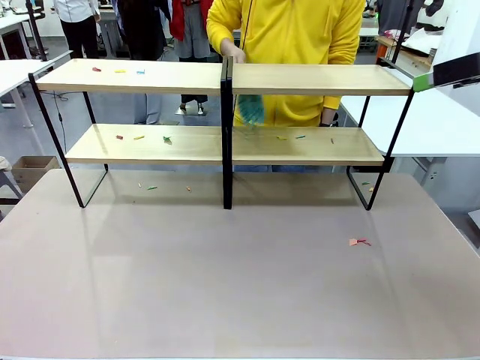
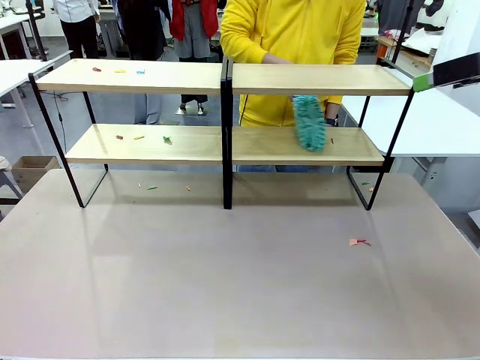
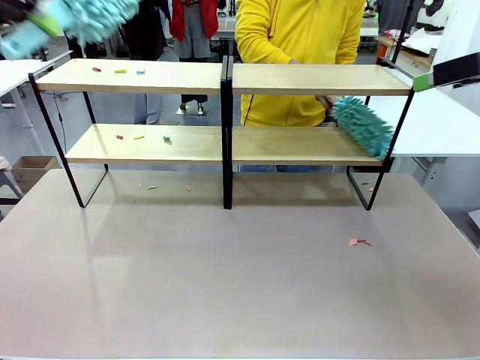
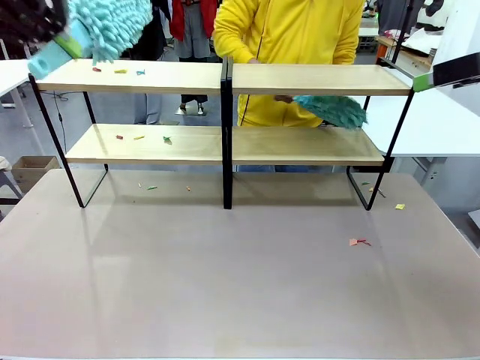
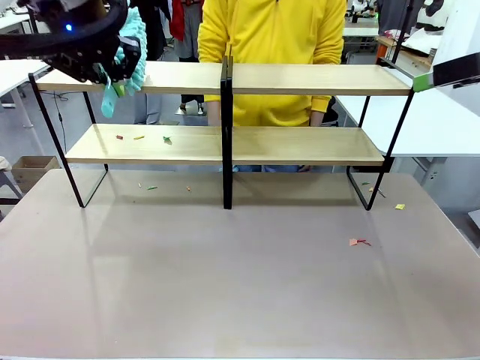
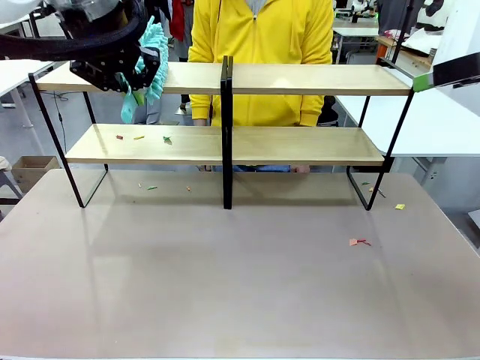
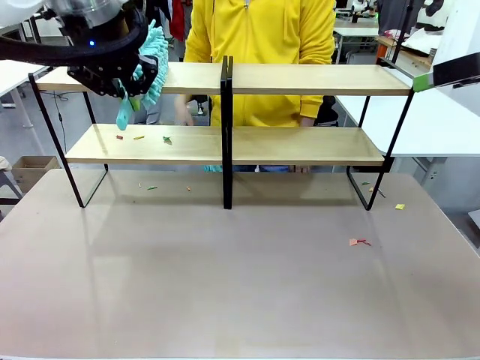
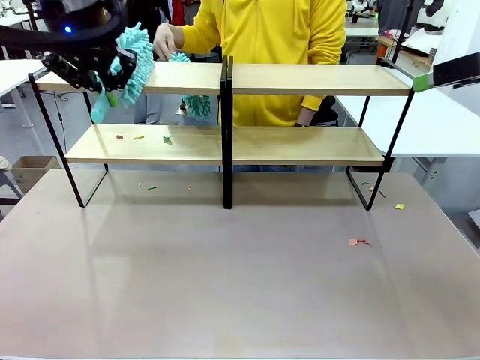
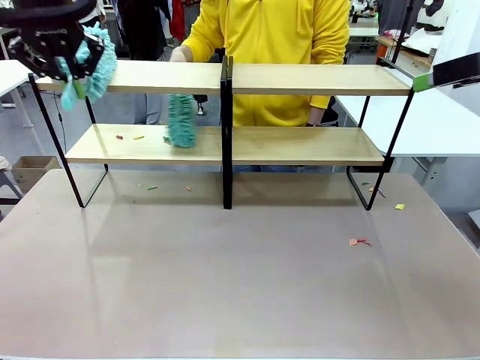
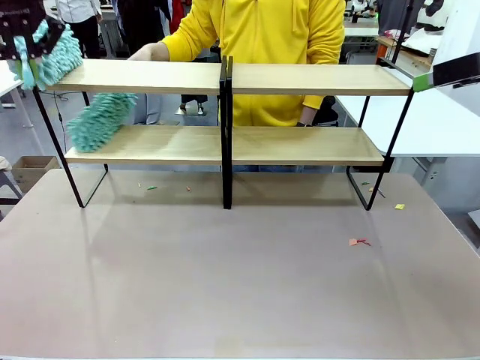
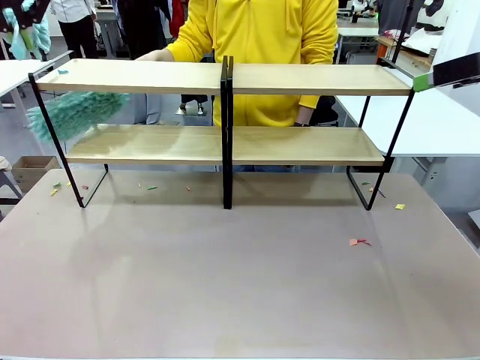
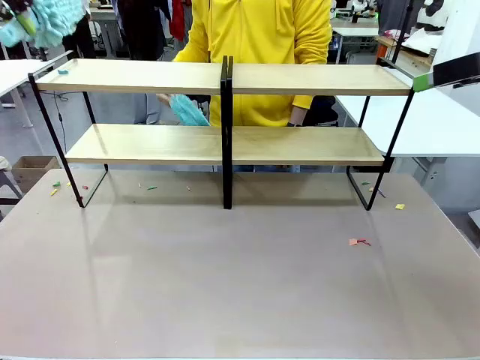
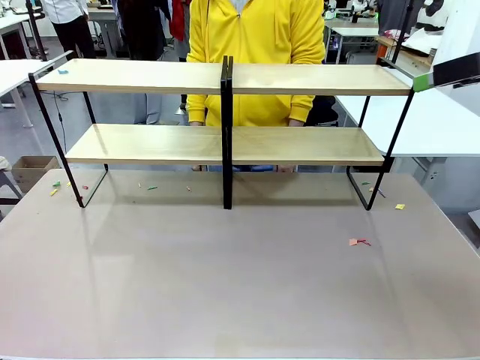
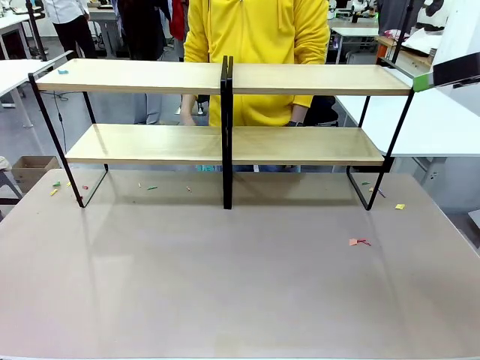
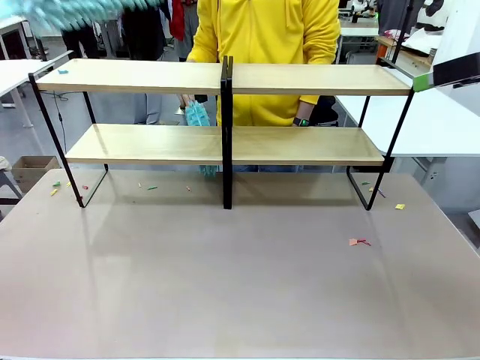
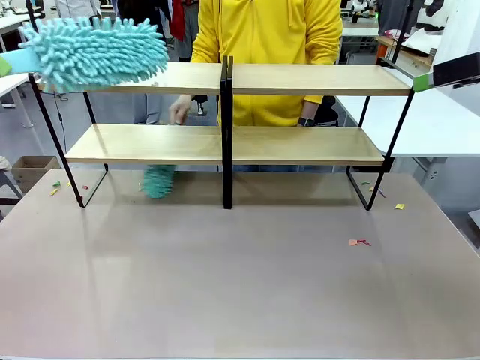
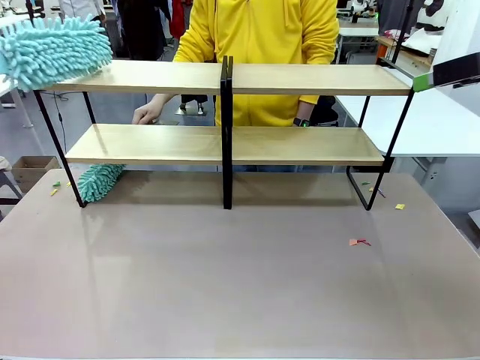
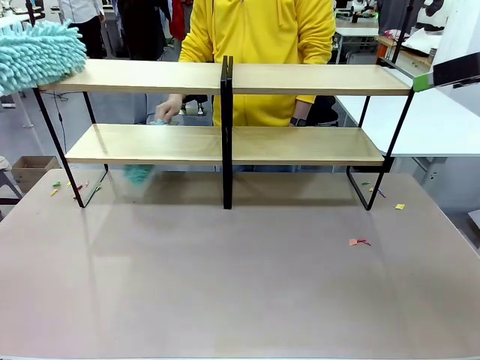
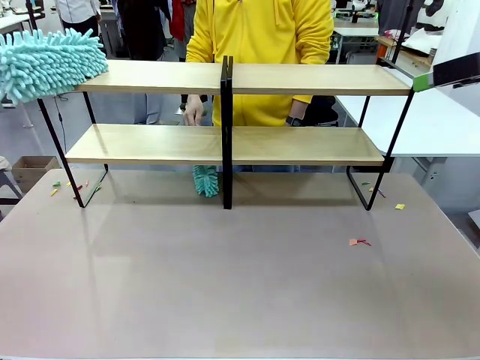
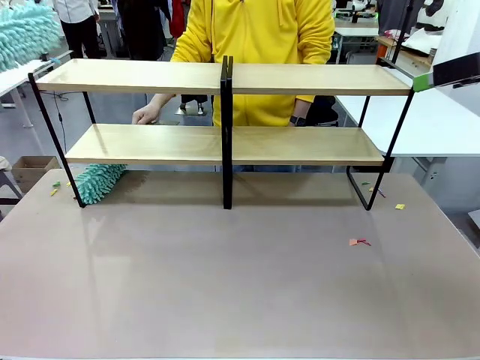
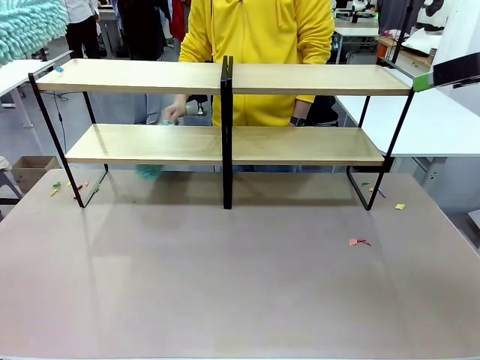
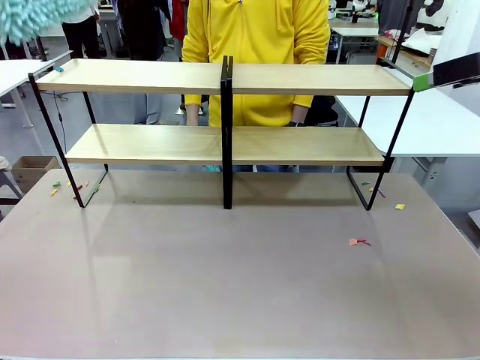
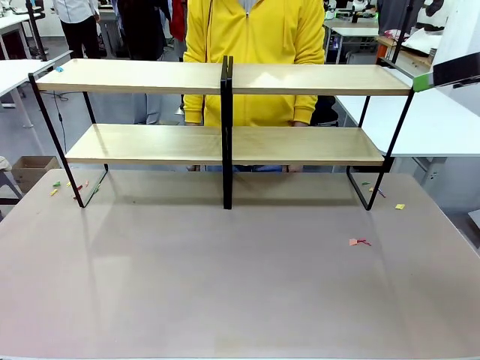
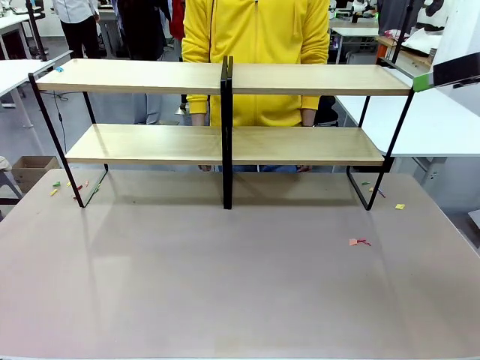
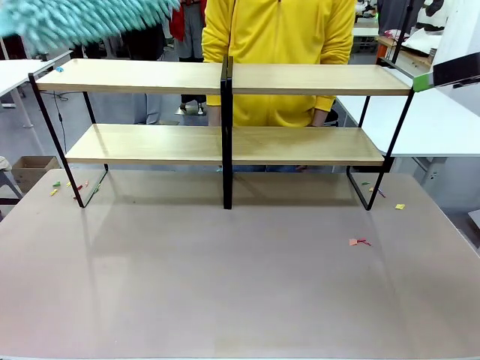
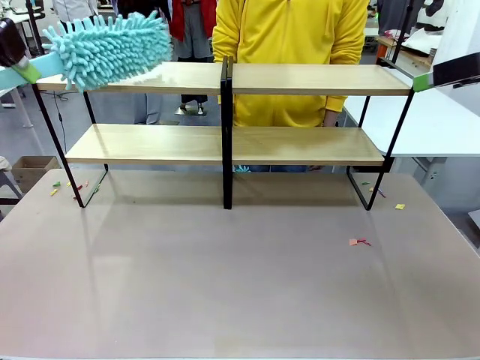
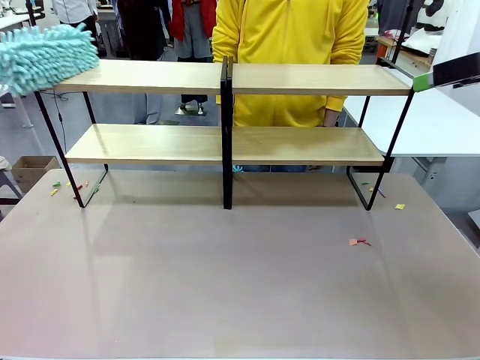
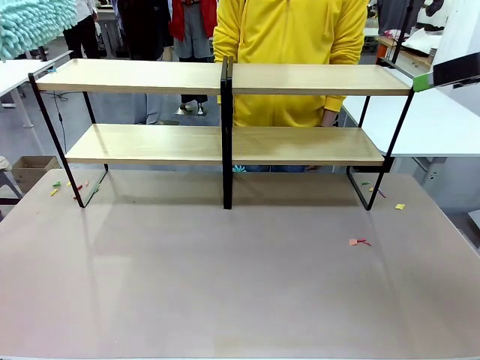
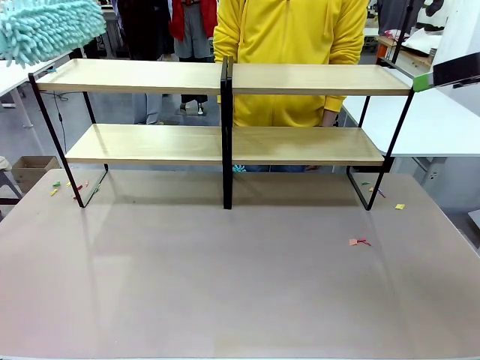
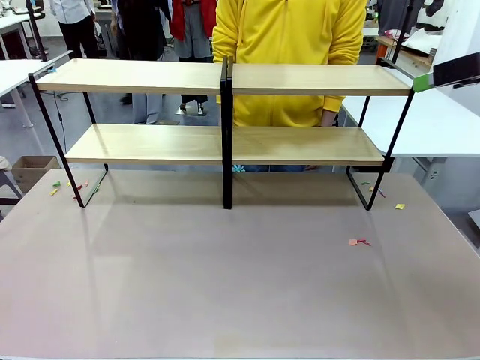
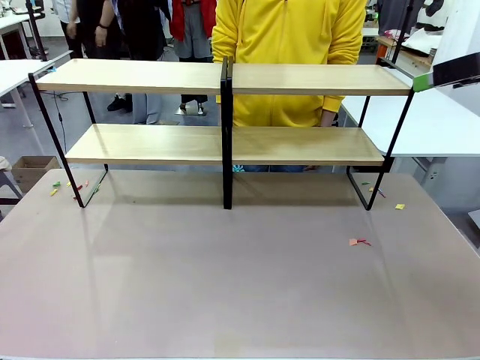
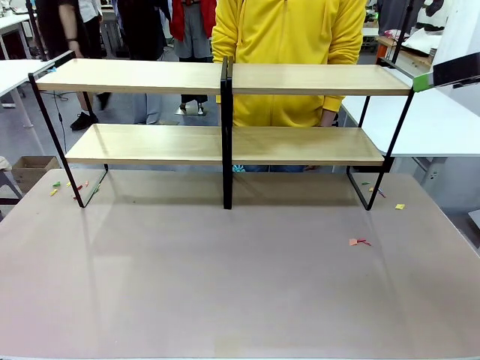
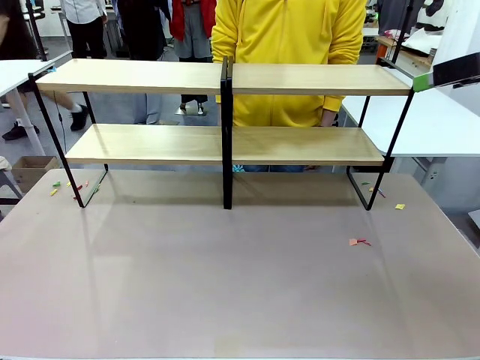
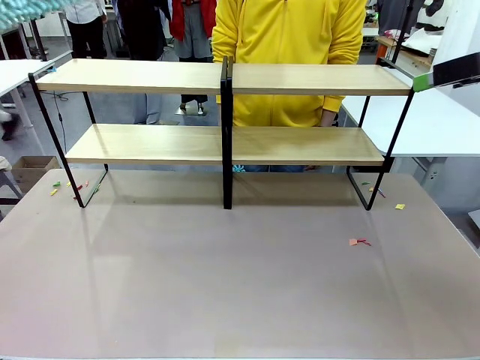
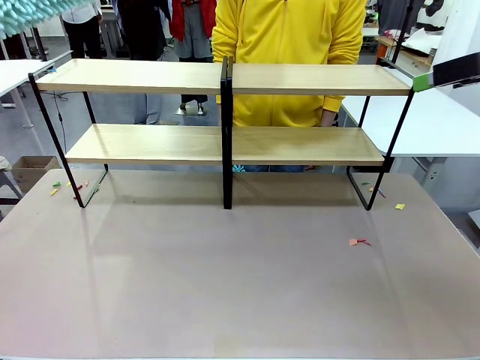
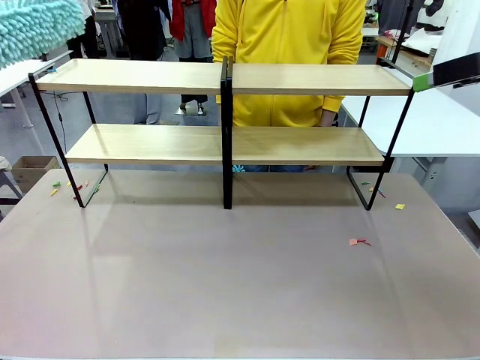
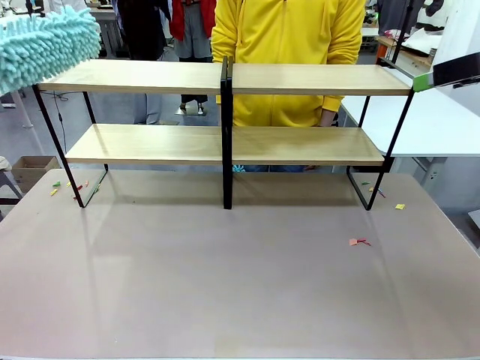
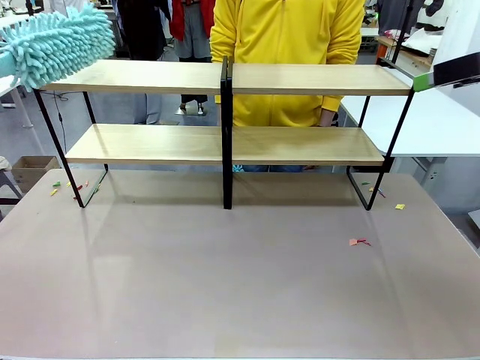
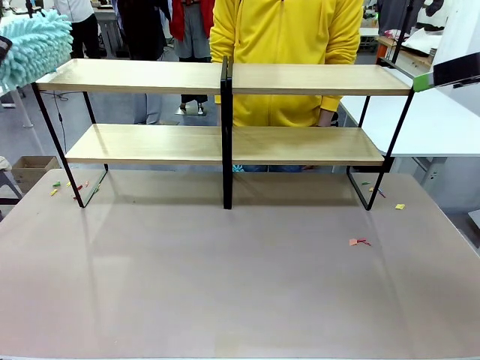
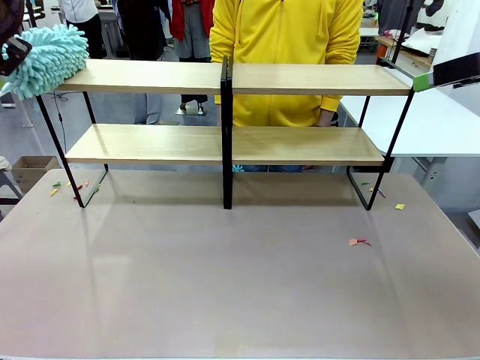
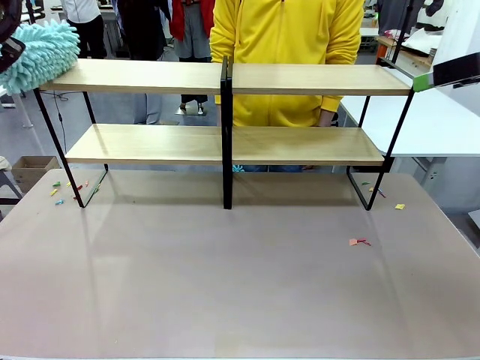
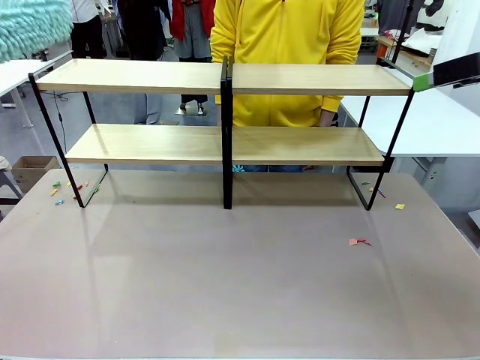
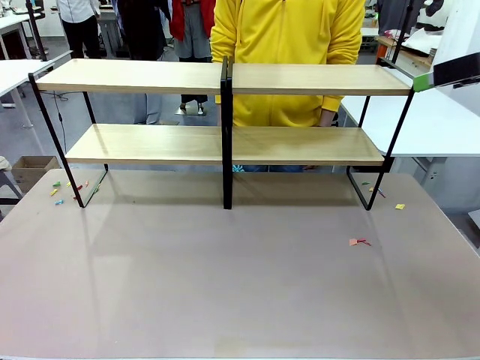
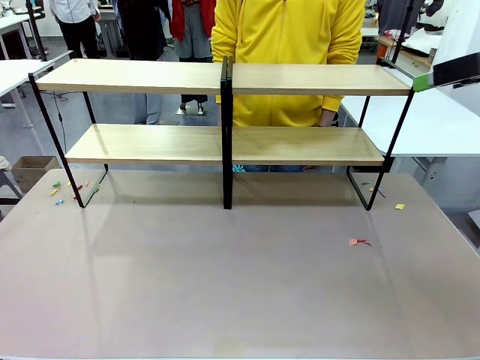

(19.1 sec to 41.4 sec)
Task: Clean the shelves.
Robot: Clean another randomly selected level of the Shelf with the Duster.
Person: Clean a randomly selected level of the Shelf with the Duster.

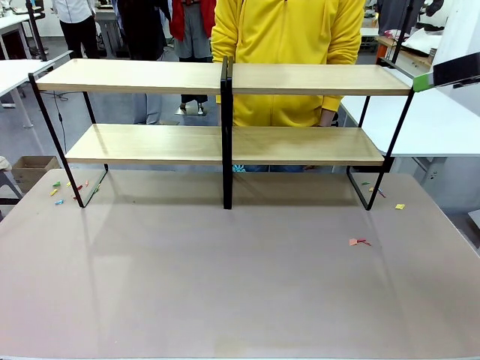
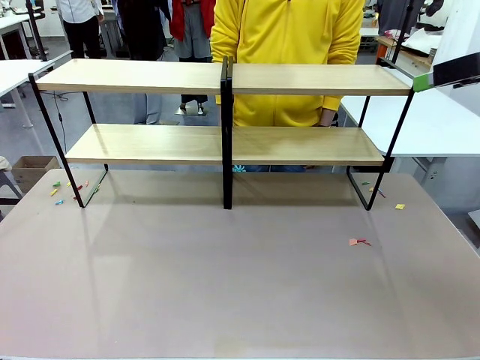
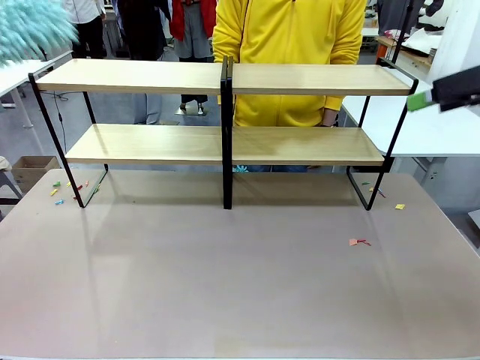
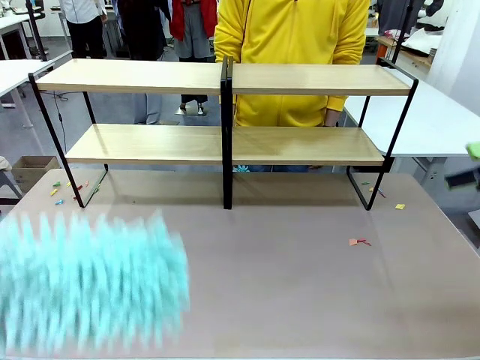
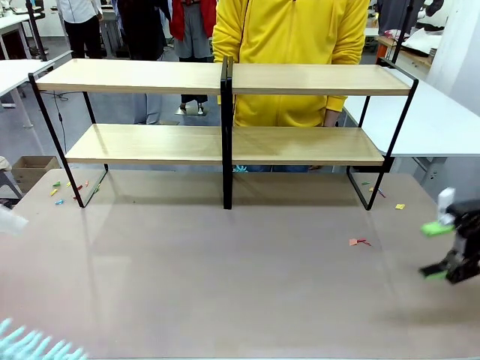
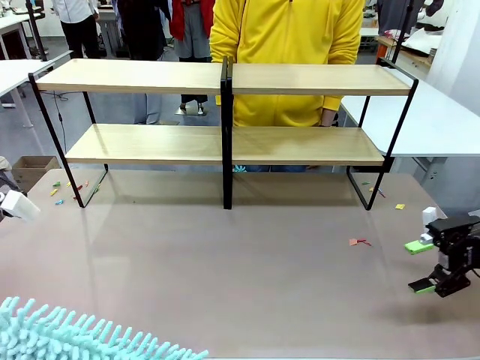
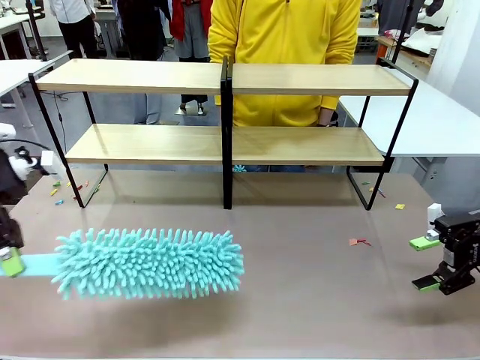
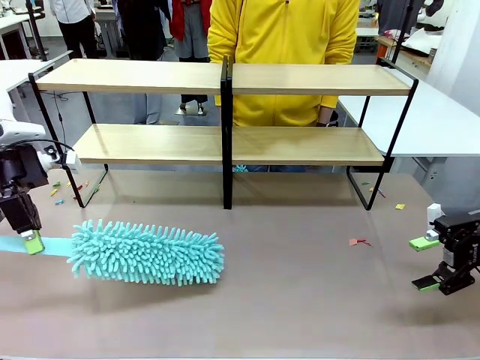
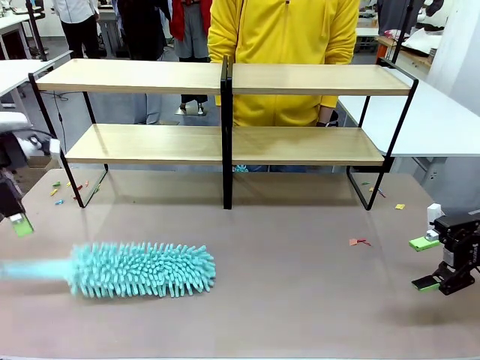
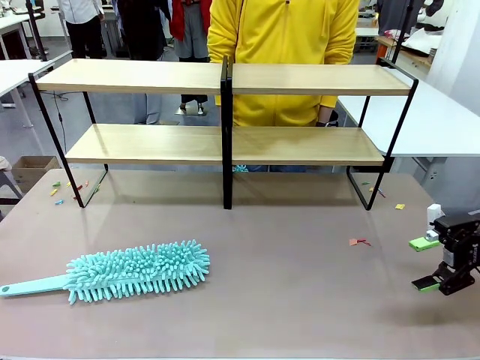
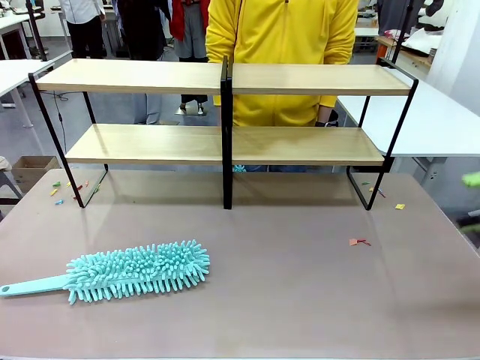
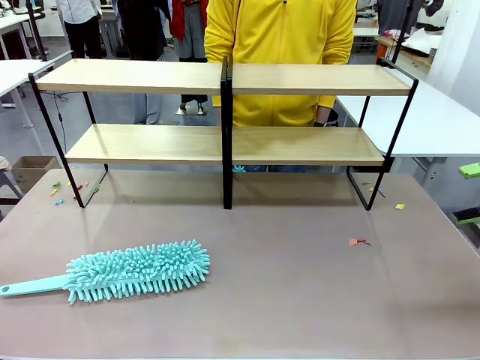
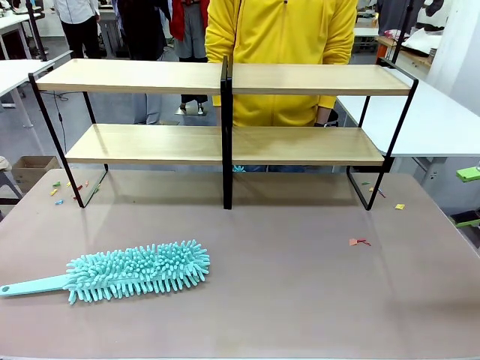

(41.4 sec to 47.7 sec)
Robot: Place the Duster on the table.
